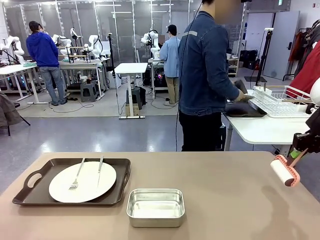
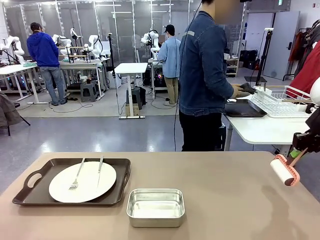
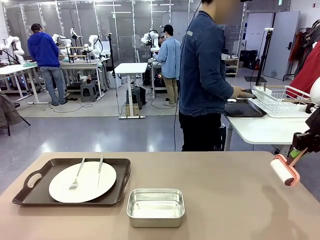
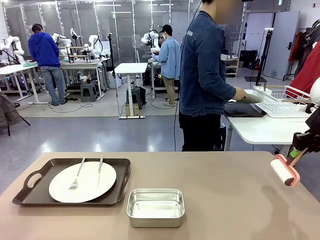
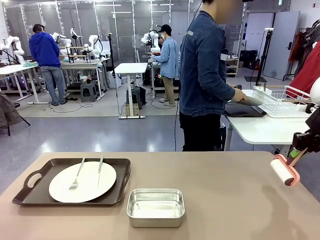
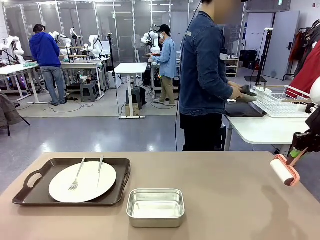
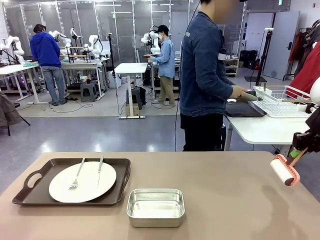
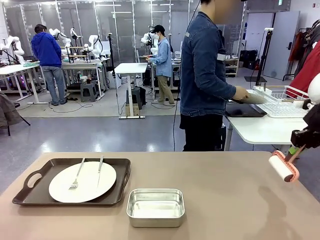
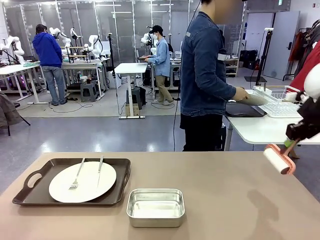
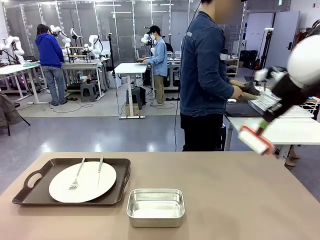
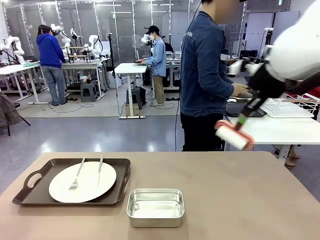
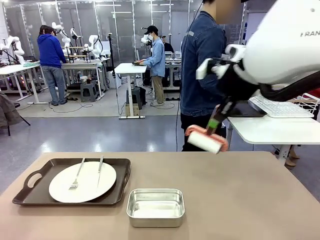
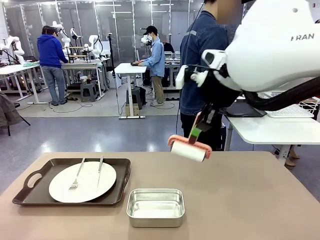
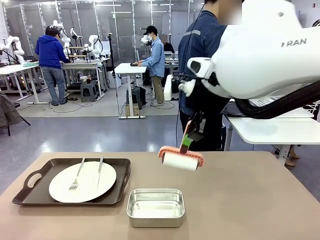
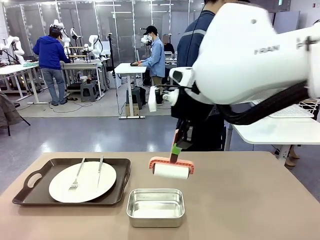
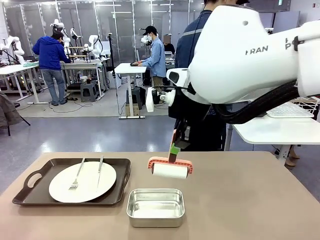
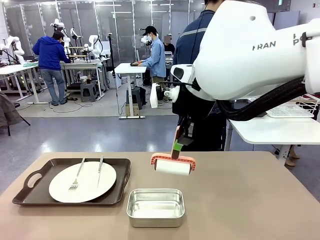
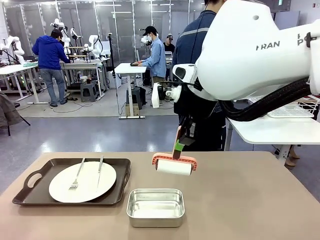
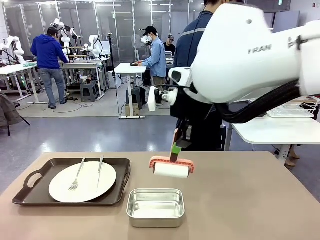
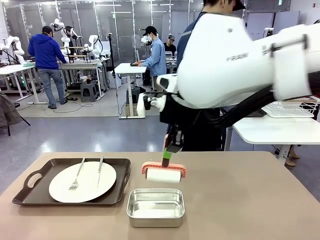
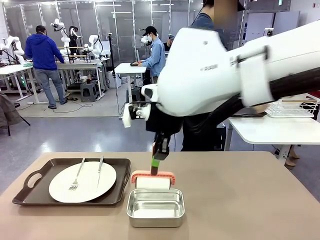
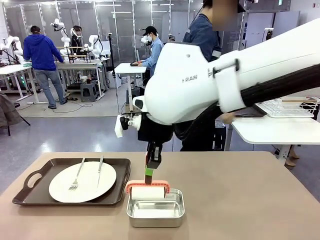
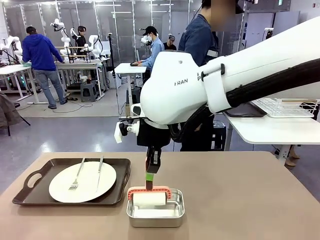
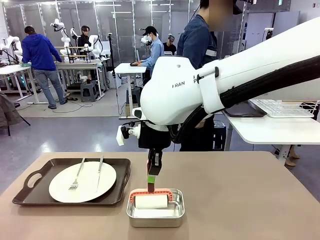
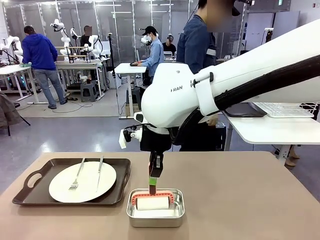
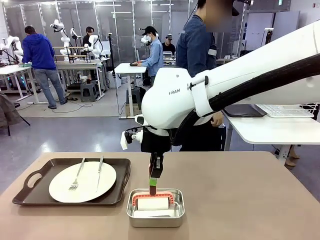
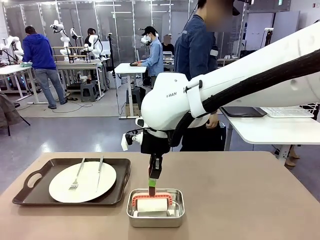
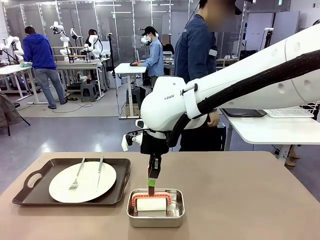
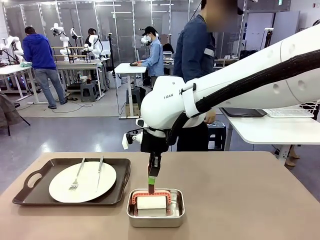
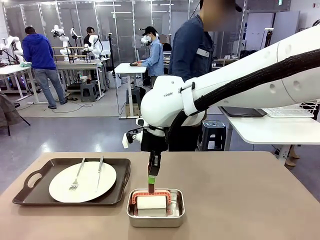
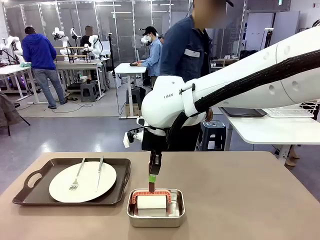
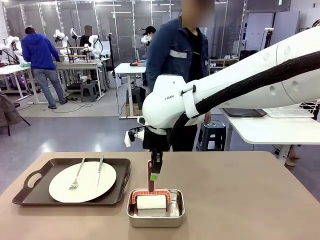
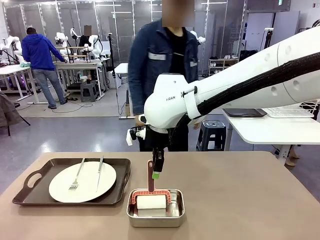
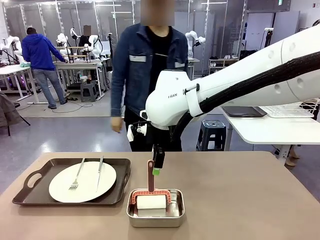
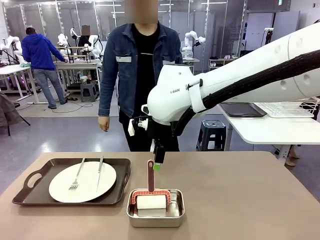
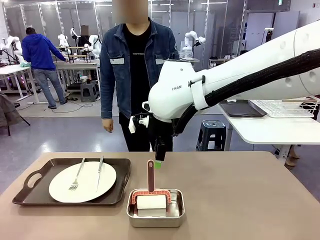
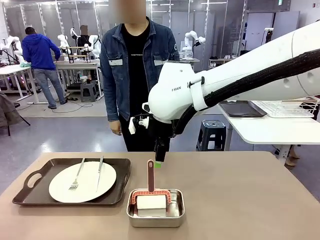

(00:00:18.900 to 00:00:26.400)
Robot: Place the Lint Roller back on top of the Airtight Container.

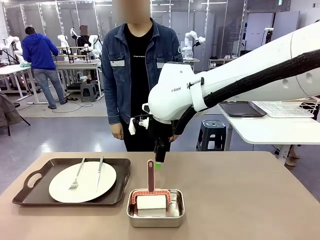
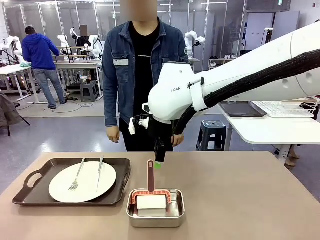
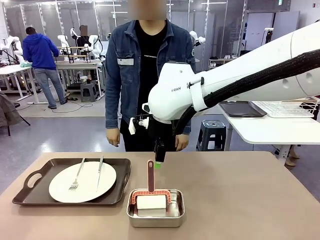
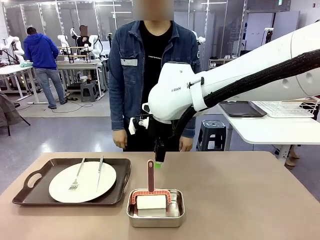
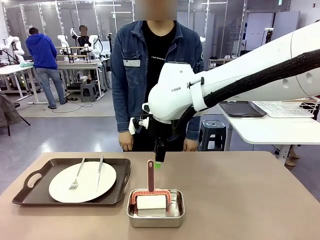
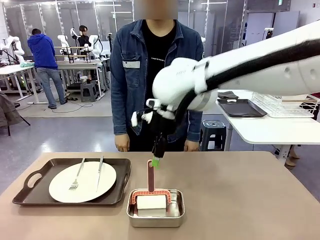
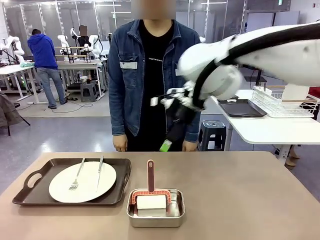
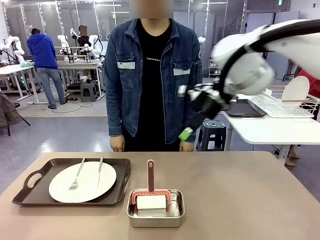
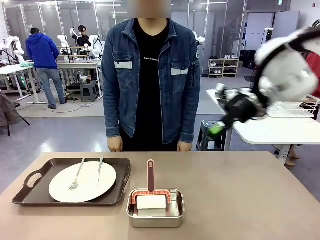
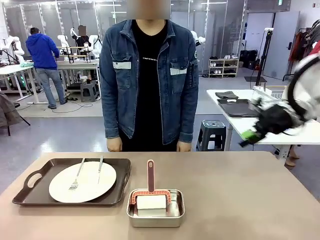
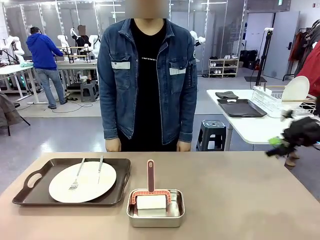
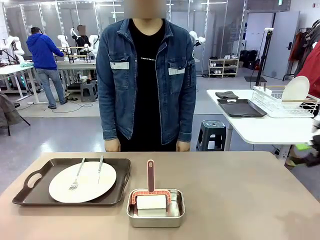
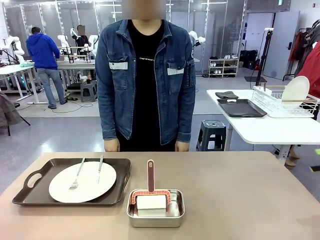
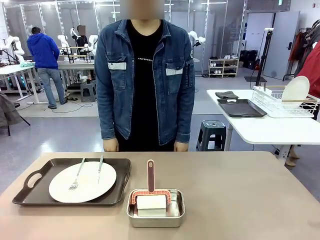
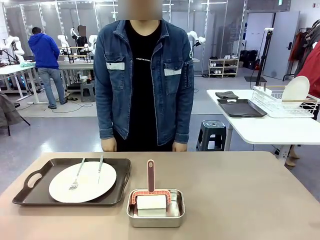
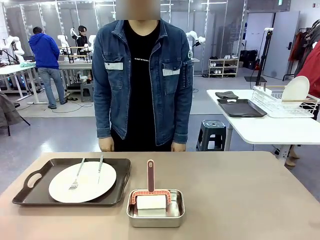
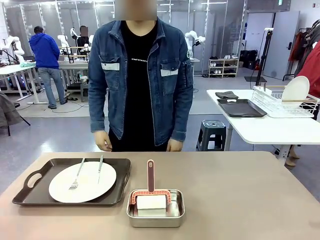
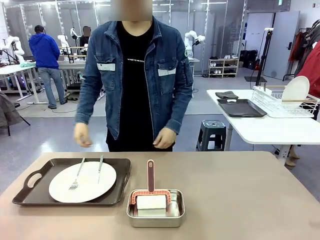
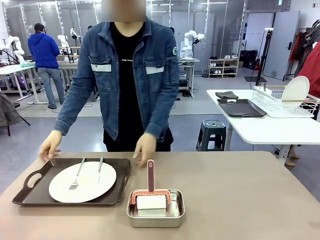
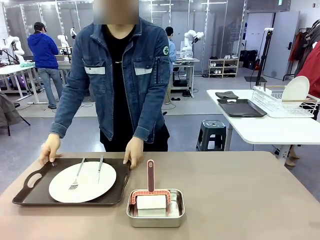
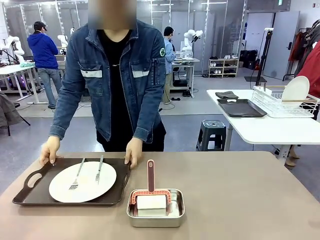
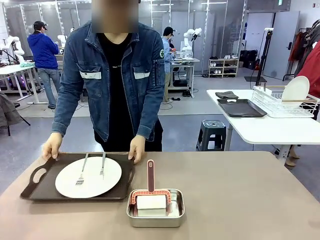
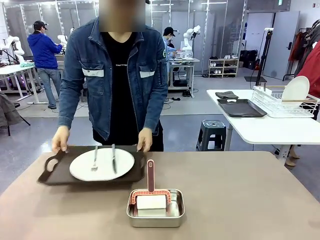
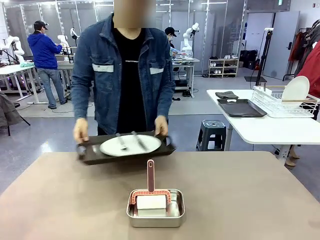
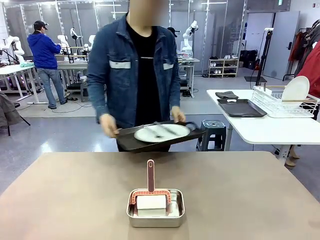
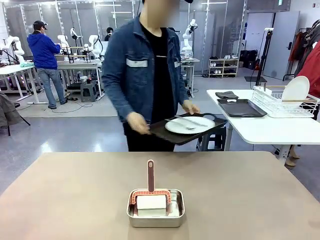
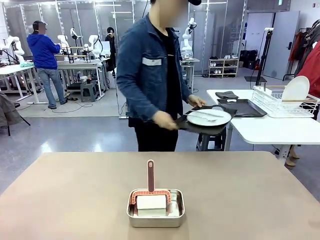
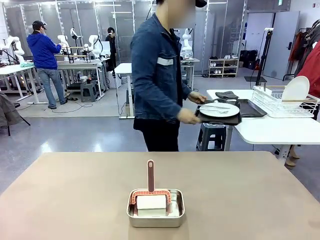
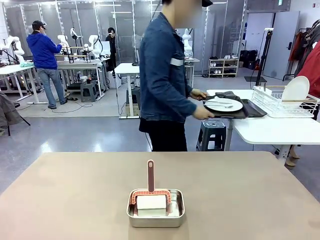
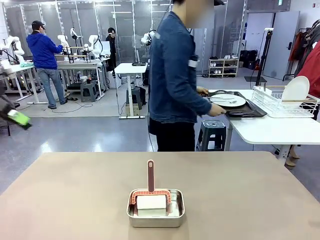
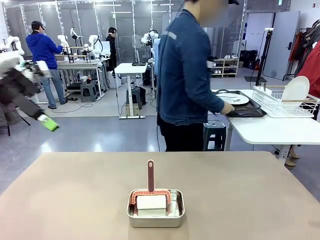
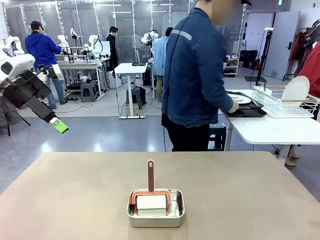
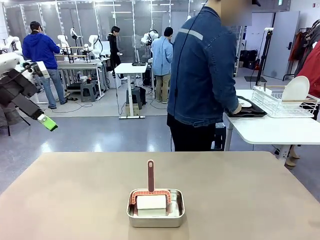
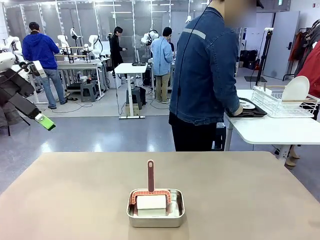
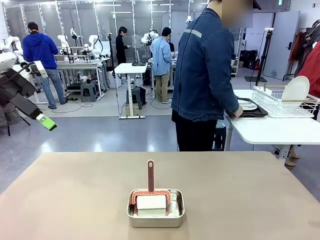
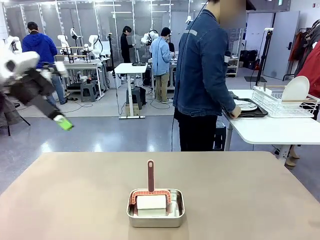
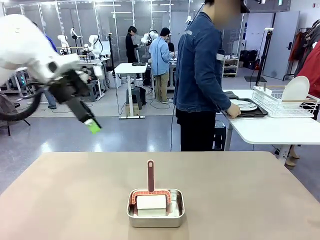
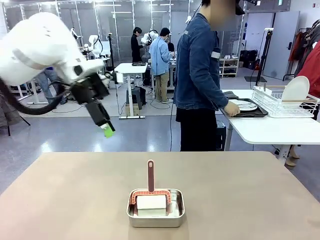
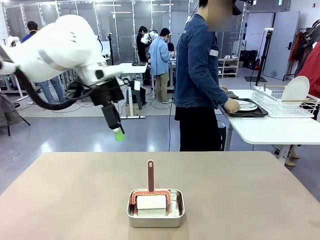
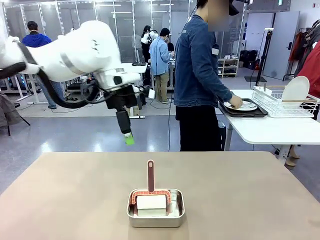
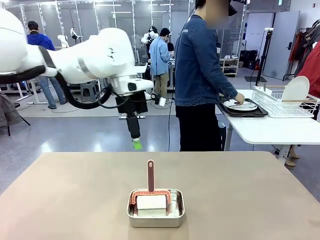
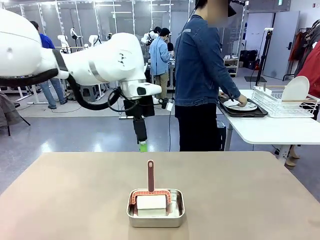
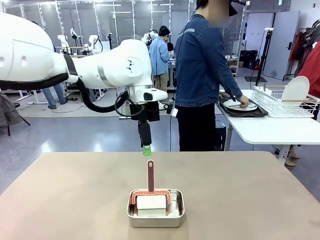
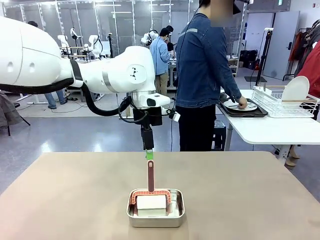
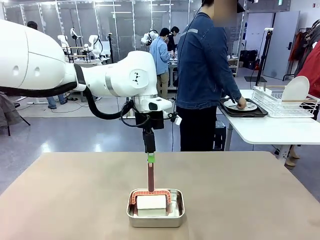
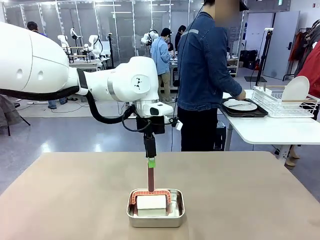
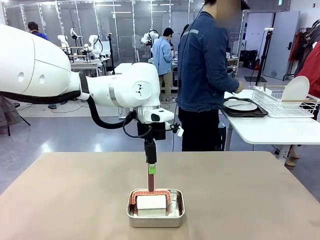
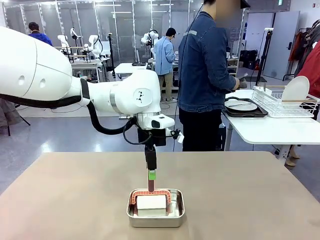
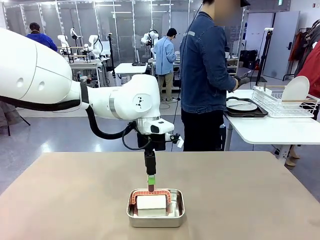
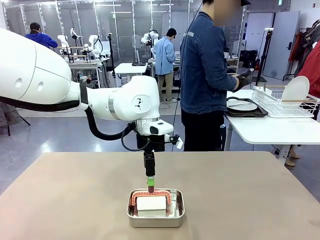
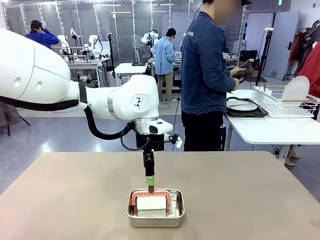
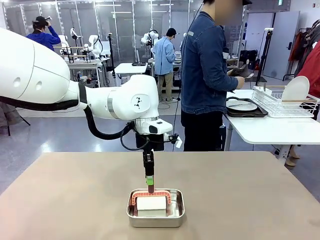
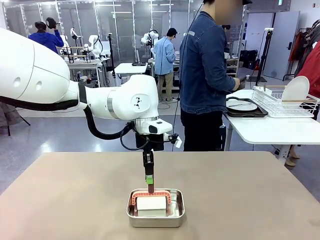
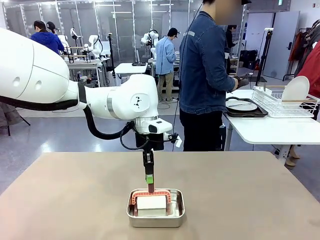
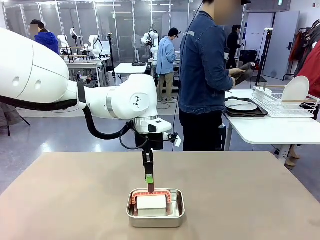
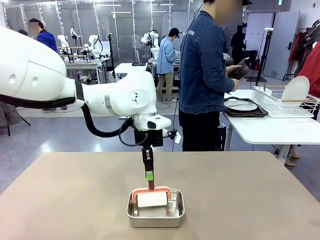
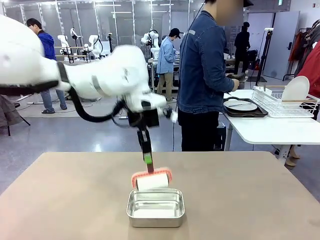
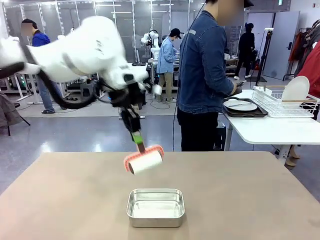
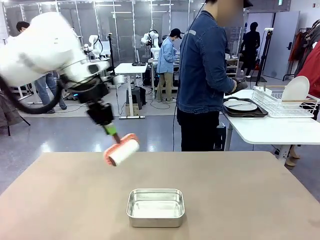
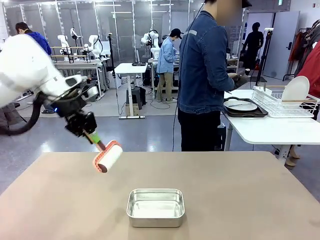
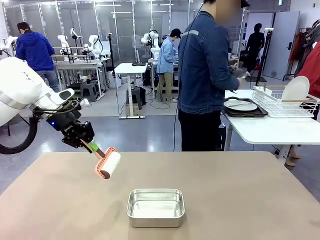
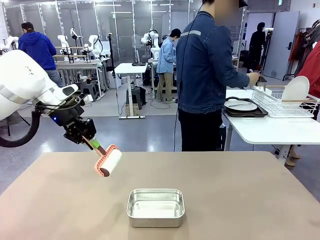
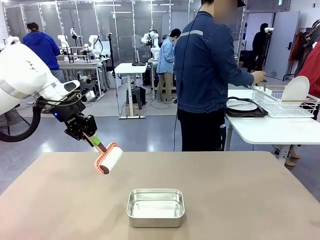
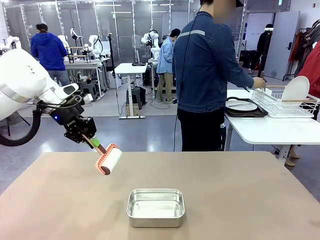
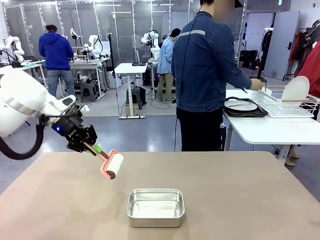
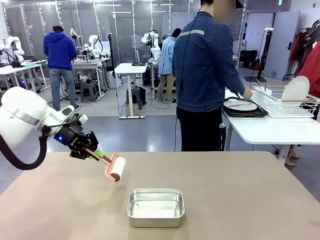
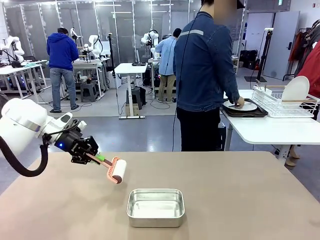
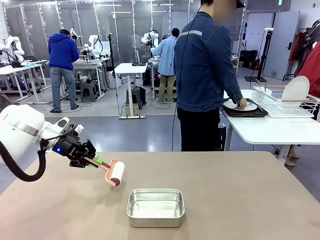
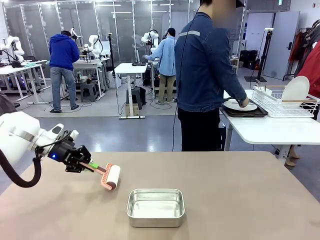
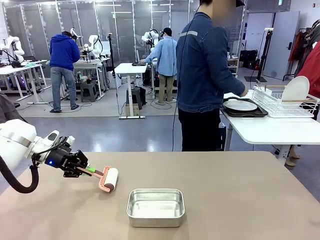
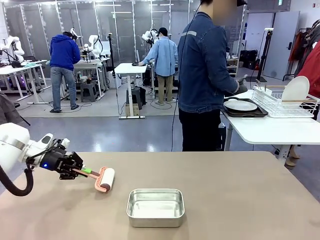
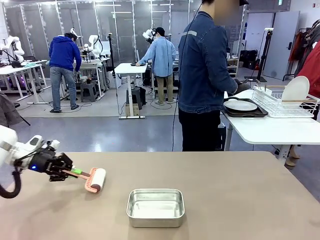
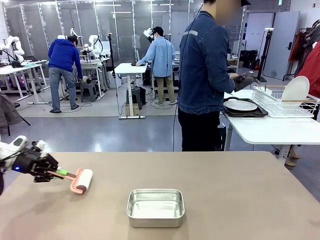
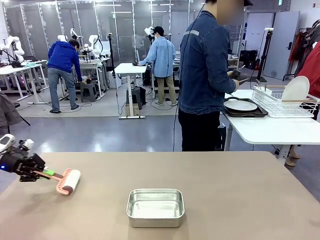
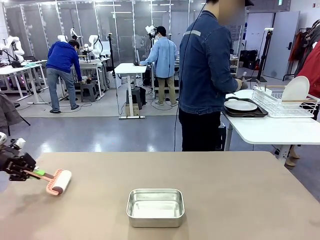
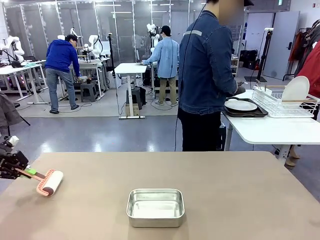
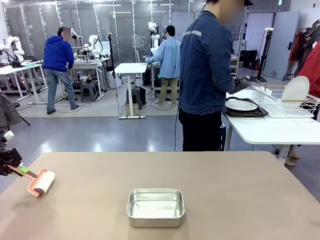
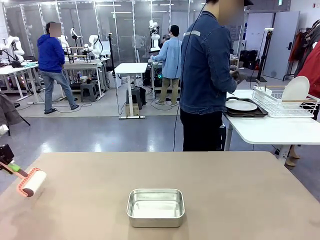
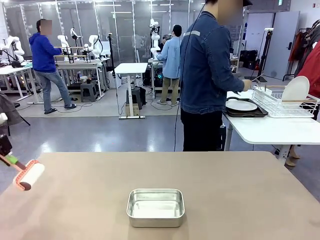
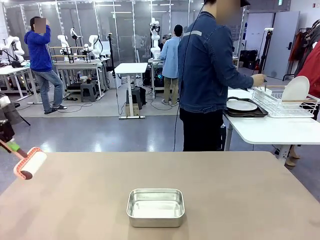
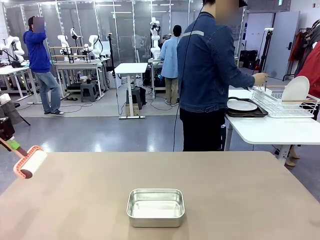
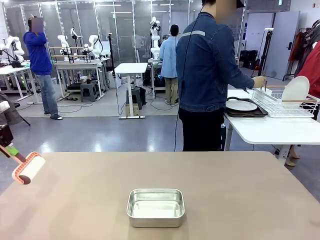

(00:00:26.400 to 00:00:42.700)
Robot: When the right (or left) Handle tray is removed, use the right hand (or left hand) to clean the right (or left) side of the table with the Lint Roller.
Person: Pick up the left (or right) Handle tray and place it on the Handle tray.
